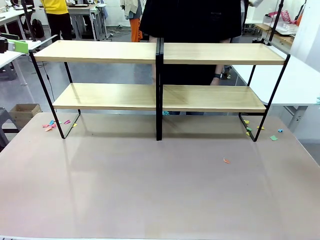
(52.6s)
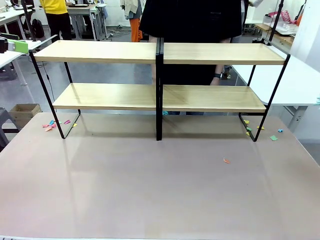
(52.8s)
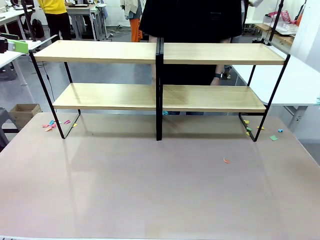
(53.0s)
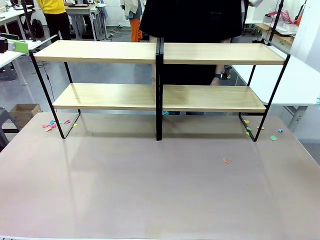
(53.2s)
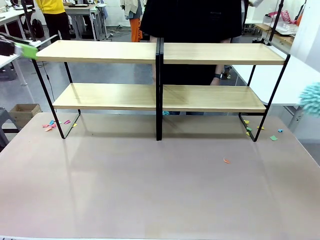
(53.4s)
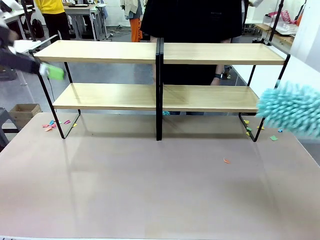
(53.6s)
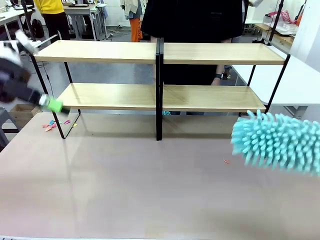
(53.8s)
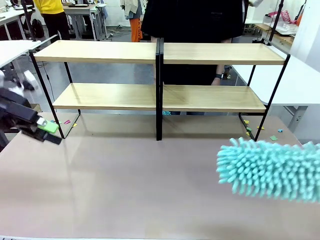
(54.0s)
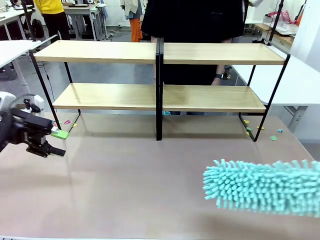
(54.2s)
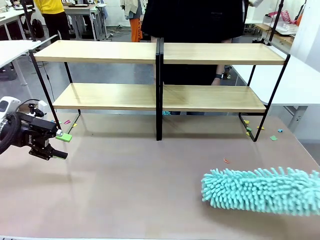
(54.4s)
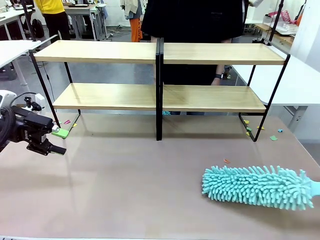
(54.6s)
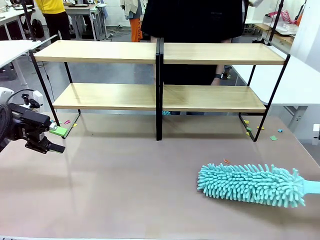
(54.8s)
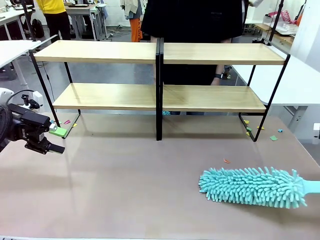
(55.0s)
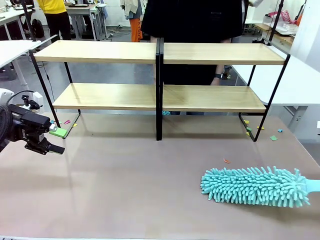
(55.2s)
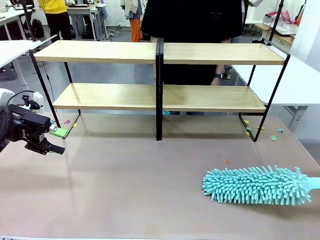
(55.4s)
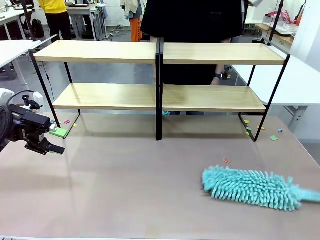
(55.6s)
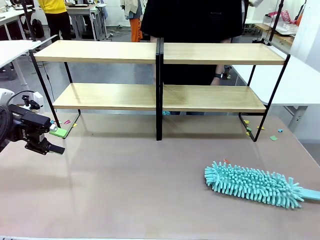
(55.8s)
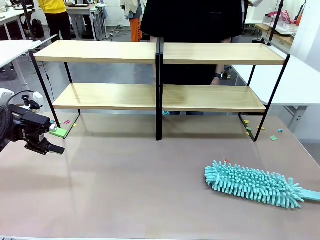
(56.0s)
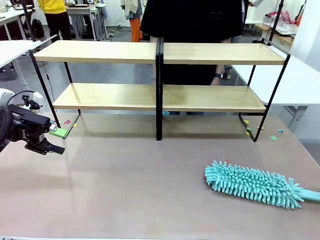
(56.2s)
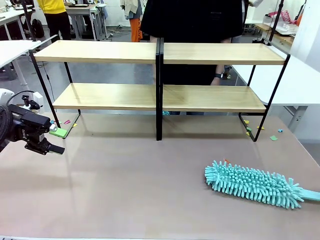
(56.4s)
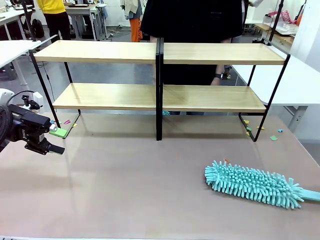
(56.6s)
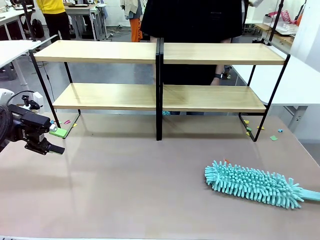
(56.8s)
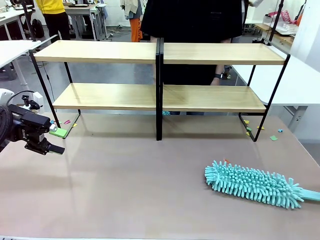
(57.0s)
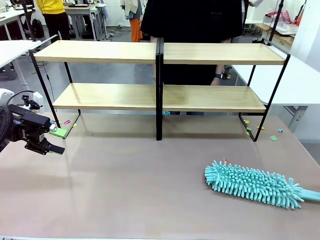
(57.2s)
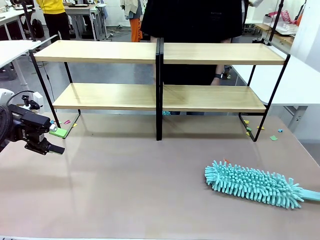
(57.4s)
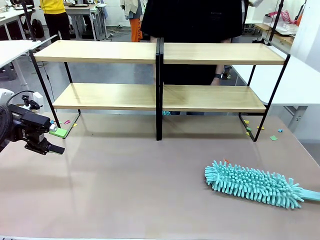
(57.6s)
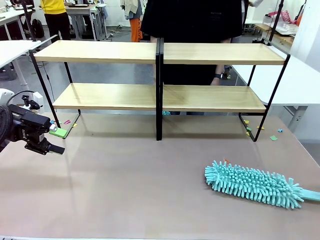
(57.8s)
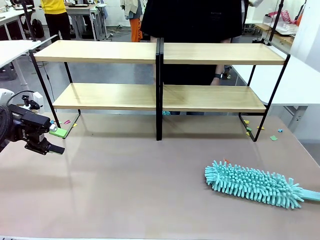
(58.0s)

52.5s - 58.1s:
Task: Clean the shelves.
Robot: Place the Duster on the table.

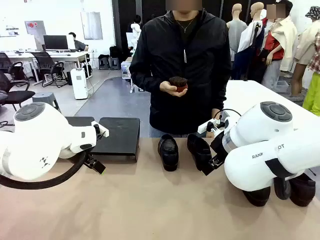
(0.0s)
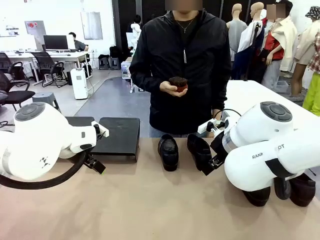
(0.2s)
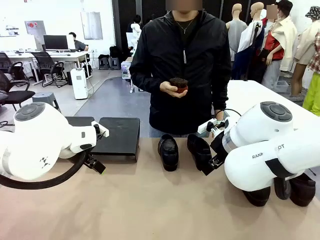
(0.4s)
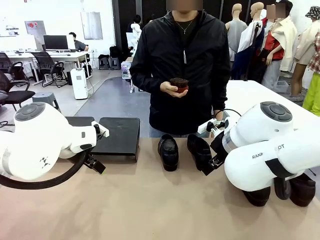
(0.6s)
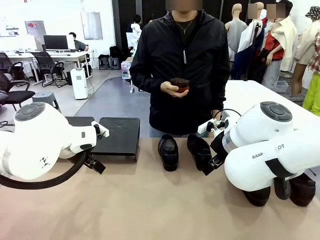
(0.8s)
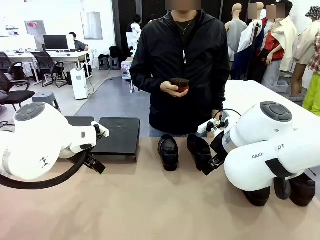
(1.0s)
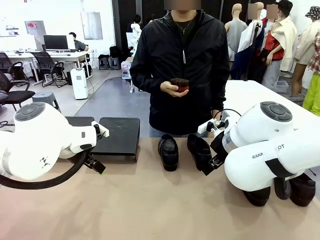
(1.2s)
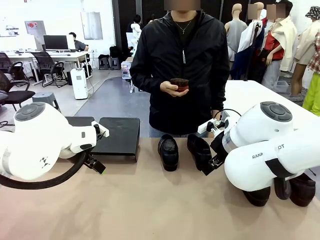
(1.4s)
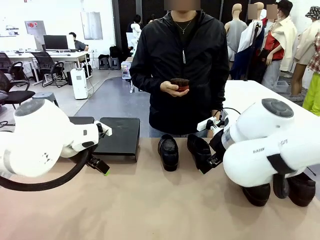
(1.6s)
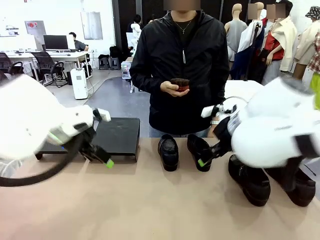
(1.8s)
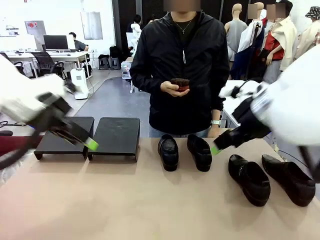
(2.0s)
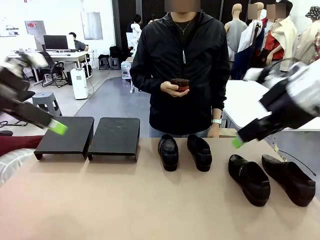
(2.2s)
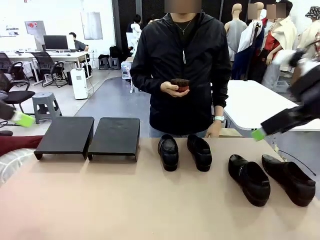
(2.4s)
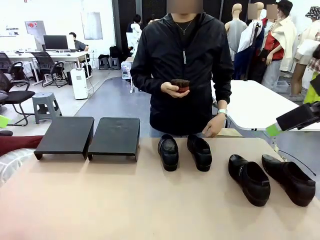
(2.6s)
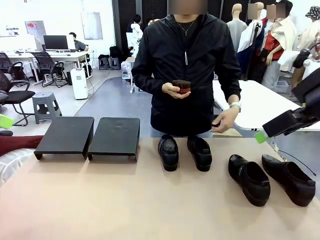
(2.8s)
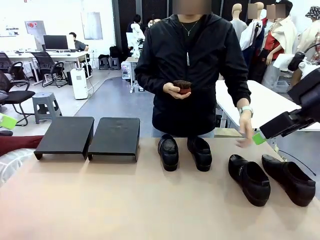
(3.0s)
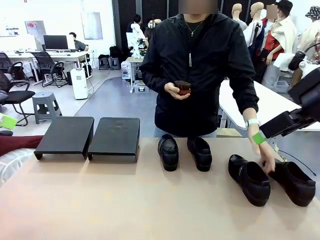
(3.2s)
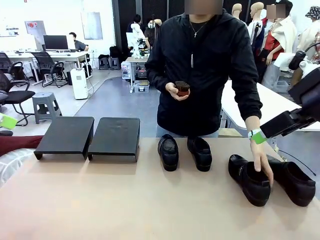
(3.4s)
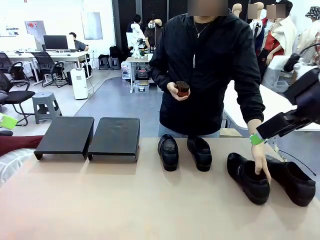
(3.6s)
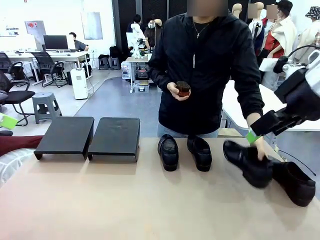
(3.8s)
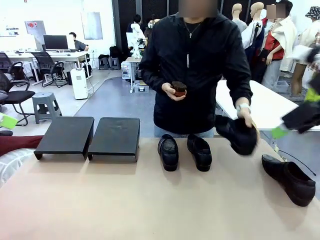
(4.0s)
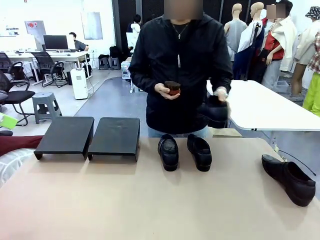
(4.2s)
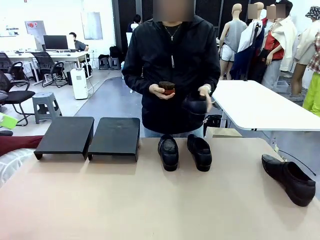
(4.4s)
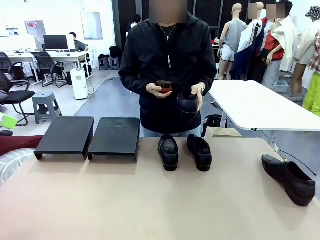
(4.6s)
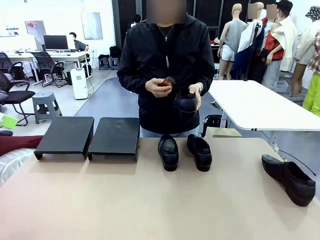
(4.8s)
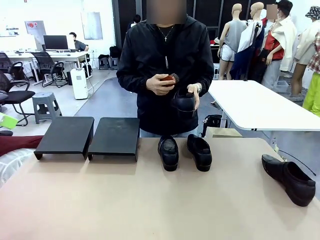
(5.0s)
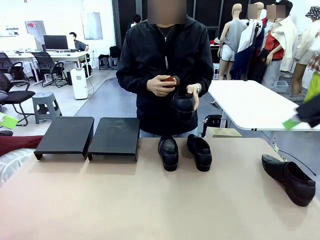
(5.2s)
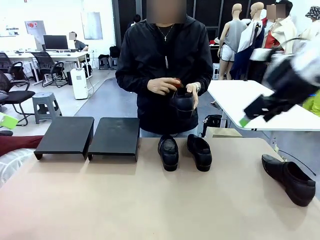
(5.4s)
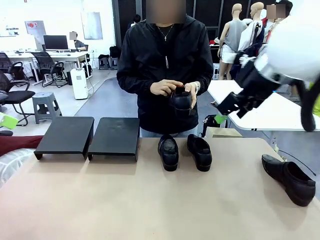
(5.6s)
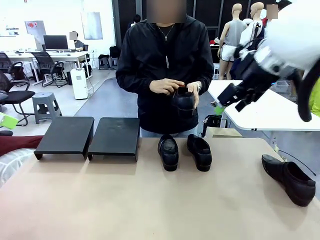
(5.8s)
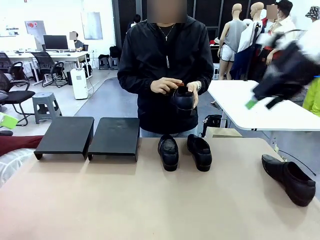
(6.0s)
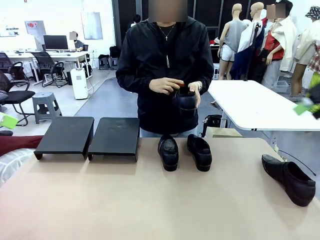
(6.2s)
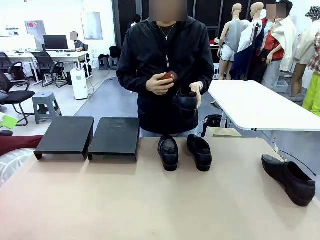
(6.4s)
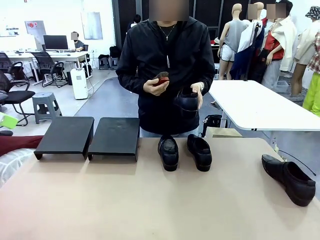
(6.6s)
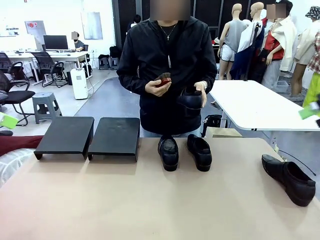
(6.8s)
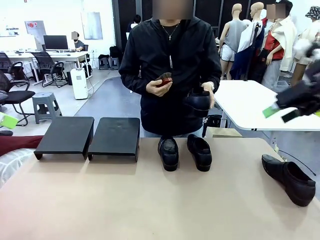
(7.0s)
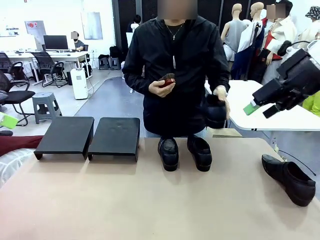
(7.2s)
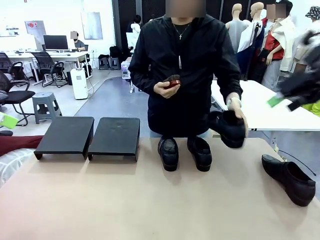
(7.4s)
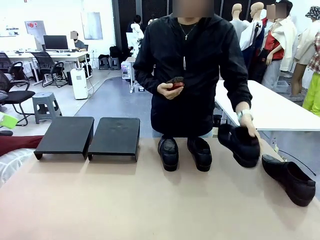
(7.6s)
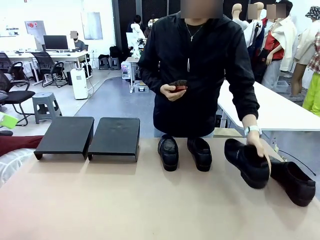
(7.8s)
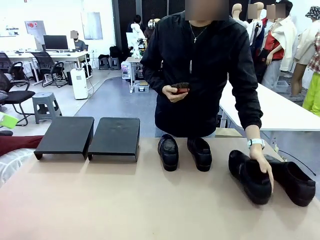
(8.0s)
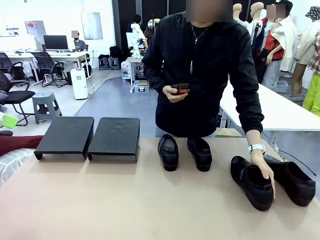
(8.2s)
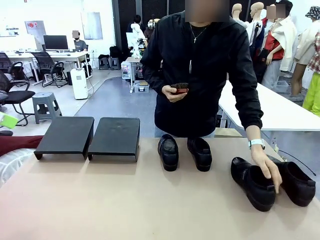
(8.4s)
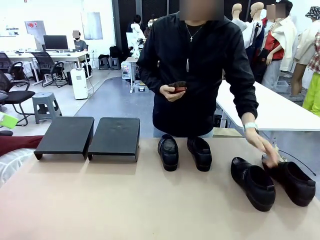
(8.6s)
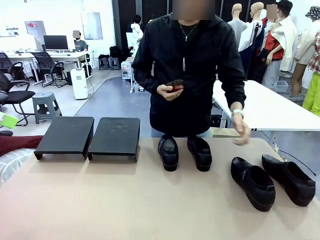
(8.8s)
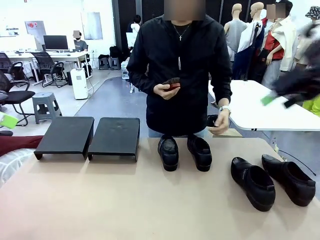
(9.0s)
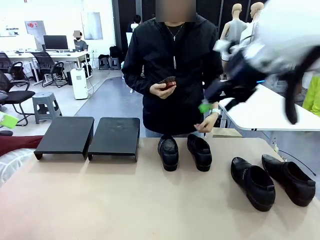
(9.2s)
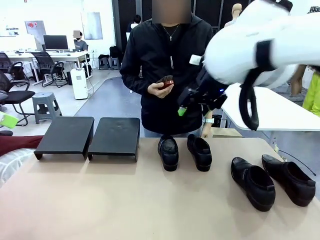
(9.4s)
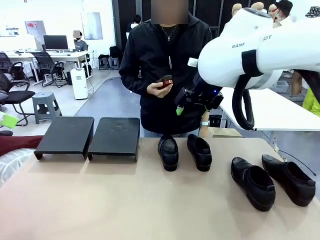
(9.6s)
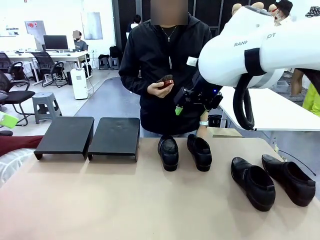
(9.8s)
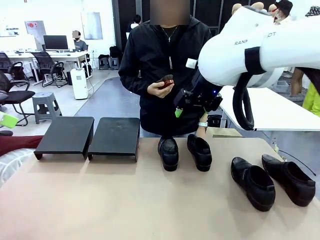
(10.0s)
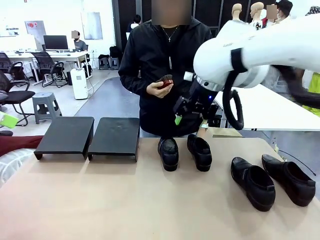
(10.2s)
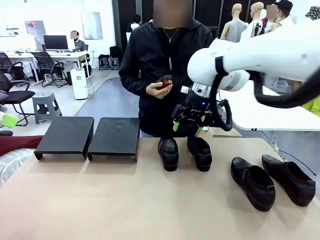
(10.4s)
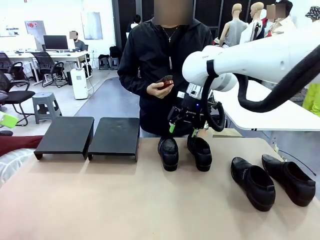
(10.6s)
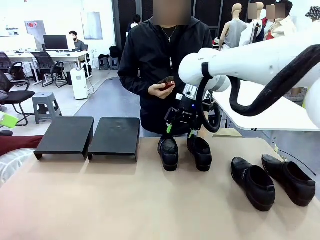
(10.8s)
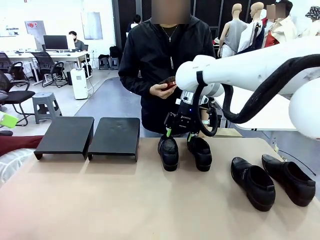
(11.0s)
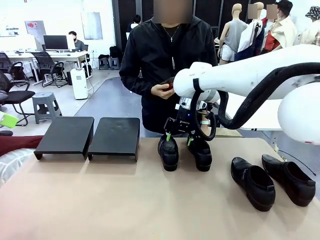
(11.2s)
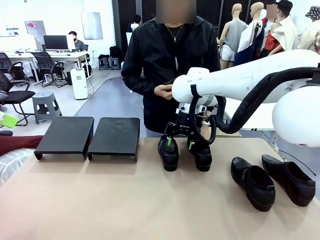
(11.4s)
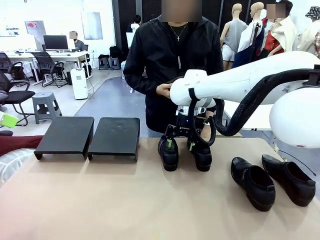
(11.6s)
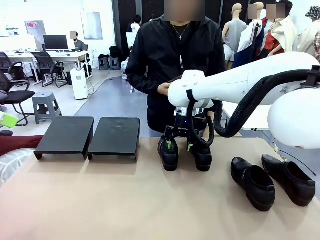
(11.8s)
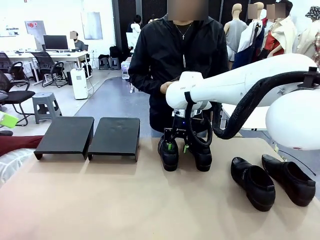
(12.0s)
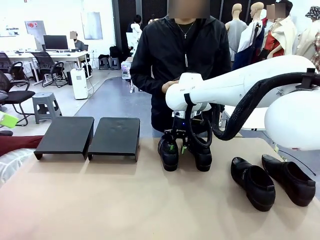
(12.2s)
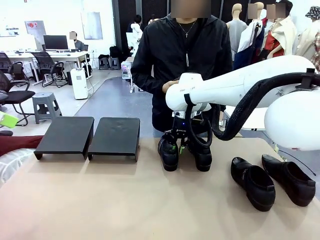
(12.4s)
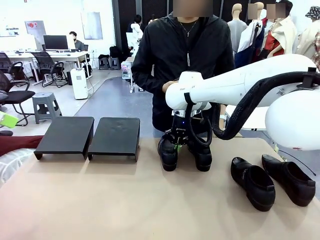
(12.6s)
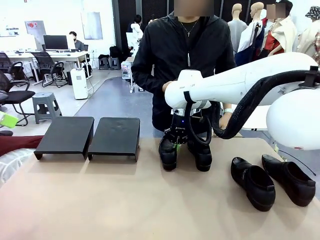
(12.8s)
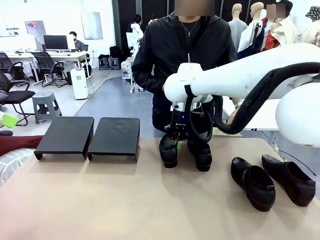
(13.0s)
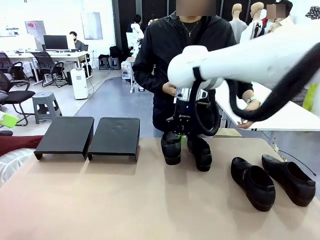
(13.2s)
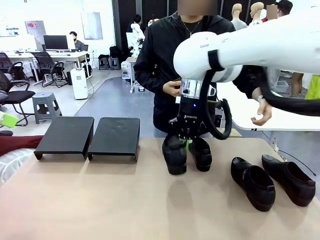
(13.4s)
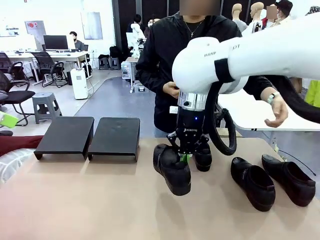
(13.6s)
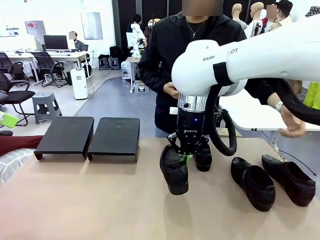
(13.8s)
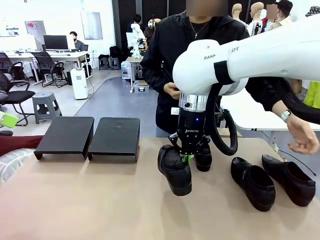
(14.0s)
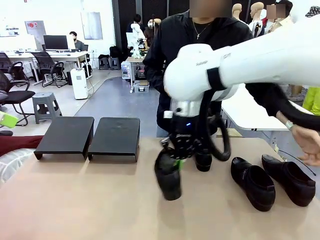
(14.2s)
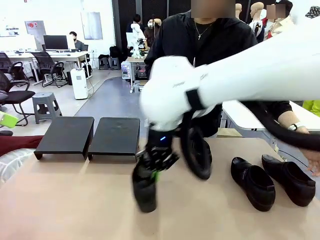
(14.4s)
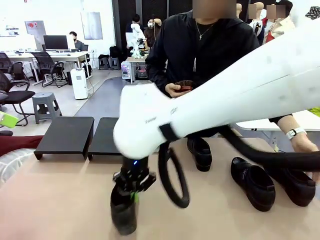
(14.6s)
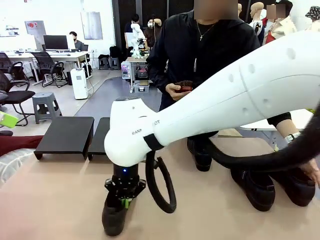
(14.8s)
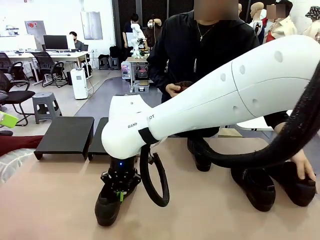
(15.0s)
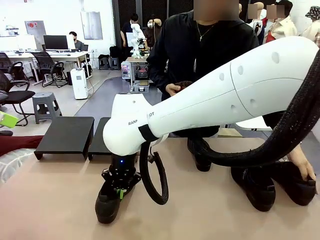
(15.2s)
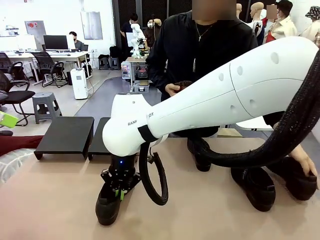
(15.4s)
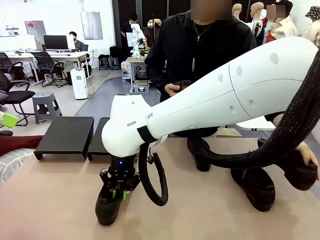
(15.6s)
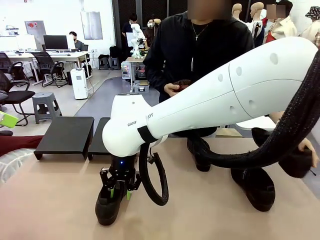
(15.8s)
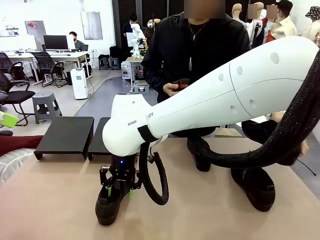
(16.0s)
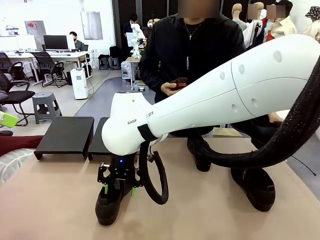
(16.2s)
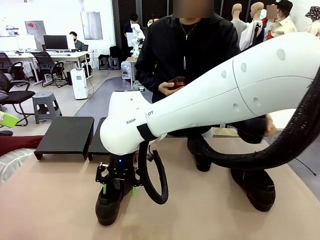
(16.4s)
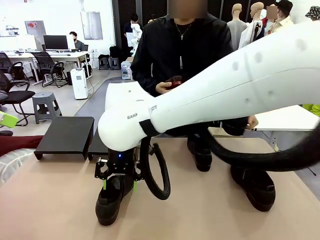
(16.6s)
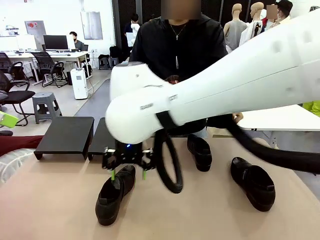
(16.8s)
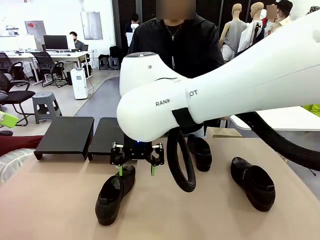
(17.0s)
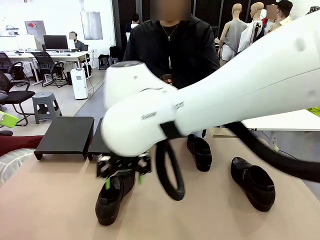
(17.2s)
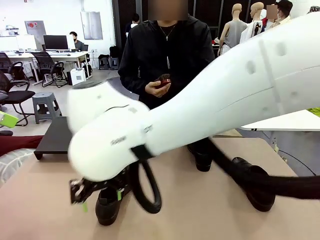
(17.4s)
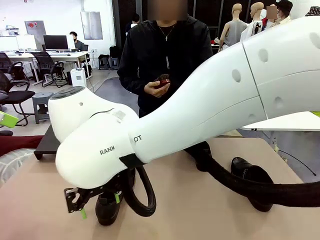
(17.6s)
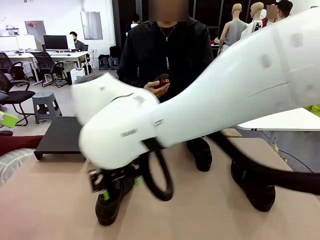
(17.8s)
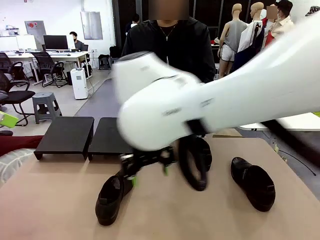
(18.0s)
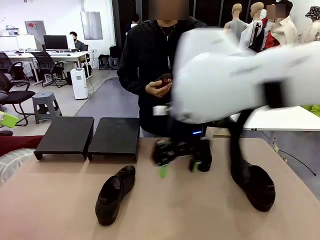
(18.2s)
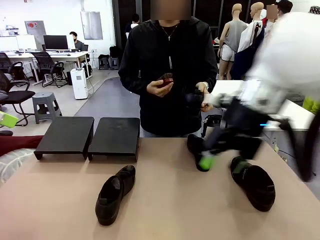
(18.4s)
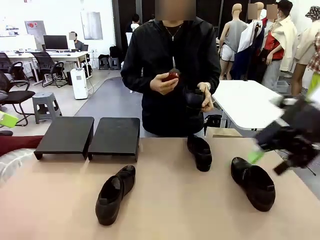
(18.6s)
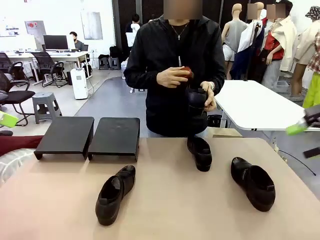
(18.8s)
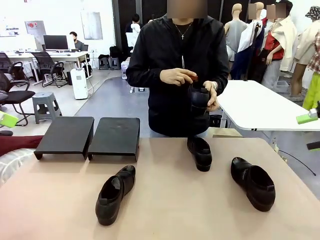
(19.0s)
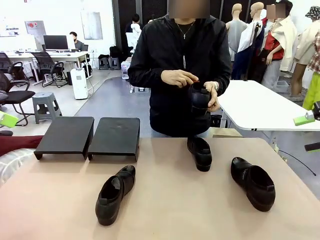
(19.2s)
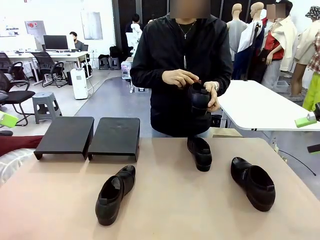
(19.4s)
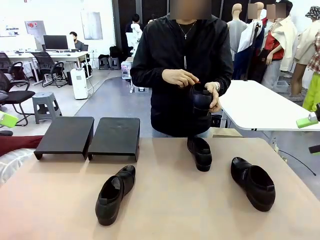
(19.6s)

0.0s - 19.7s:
Task: Organize the shoes by placing them on the stand.
Robot: Pick up one Shoe and place it in the middle of the table.
Person: Pick one Shoe on Robot's table. Clean the Shoe with the Shoe Brush. Place the Shoe on left side of the Robot's table. Pick one Shoe on Robot's table.
